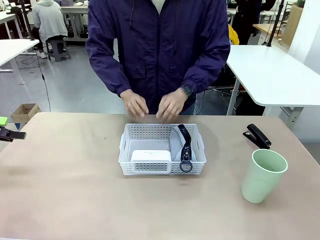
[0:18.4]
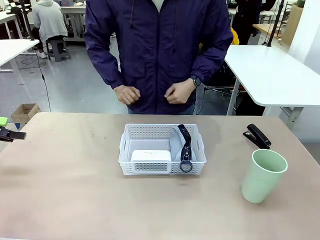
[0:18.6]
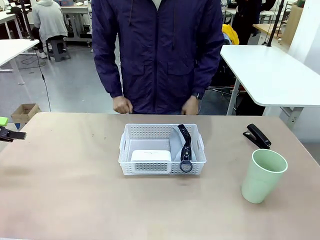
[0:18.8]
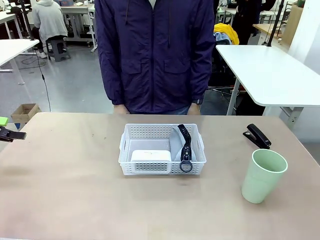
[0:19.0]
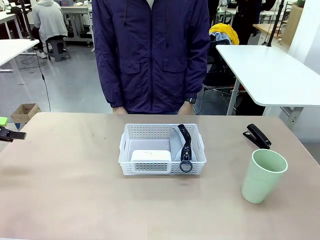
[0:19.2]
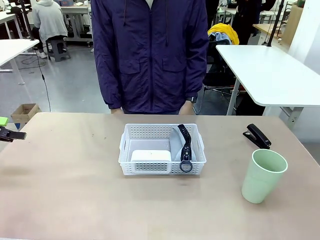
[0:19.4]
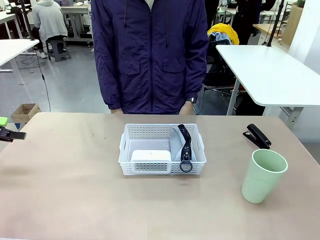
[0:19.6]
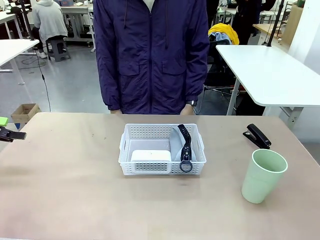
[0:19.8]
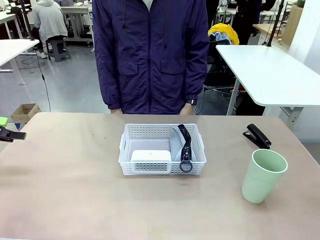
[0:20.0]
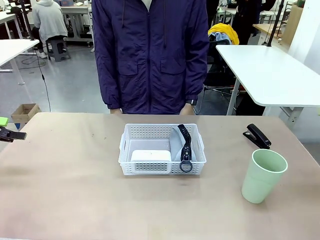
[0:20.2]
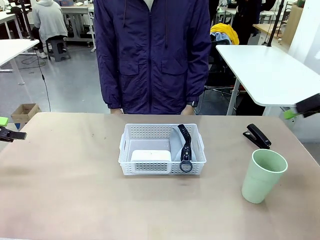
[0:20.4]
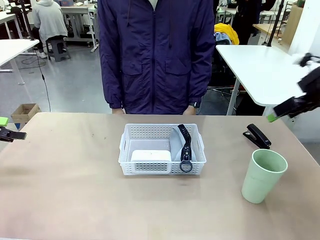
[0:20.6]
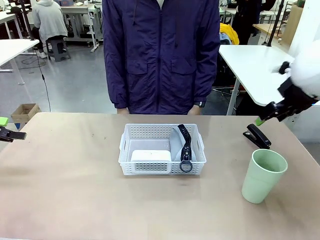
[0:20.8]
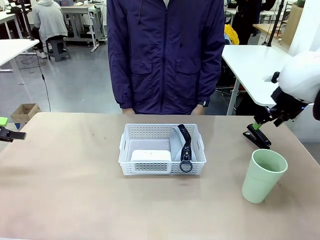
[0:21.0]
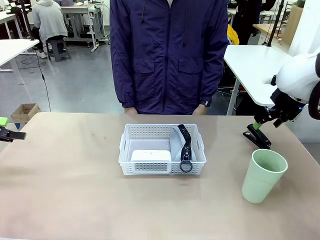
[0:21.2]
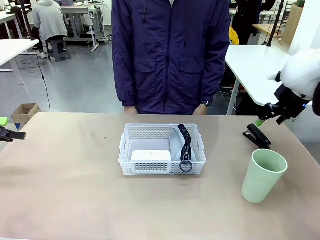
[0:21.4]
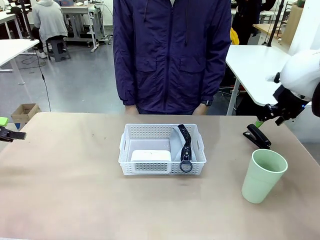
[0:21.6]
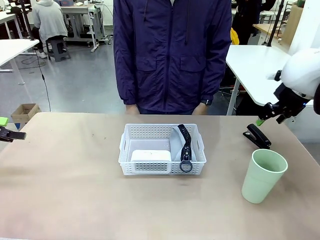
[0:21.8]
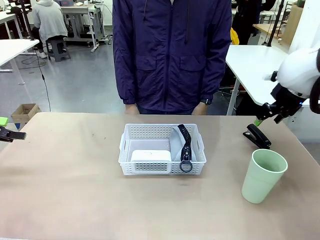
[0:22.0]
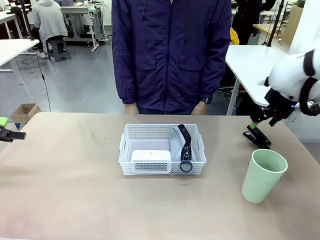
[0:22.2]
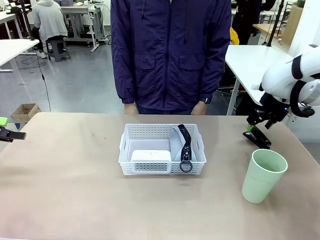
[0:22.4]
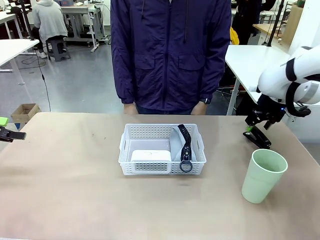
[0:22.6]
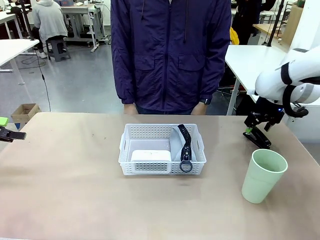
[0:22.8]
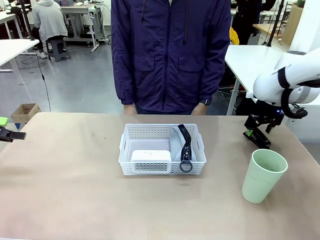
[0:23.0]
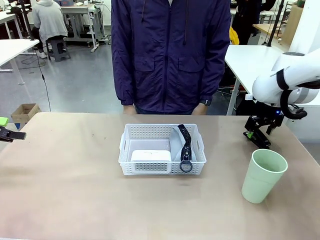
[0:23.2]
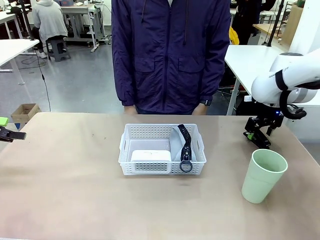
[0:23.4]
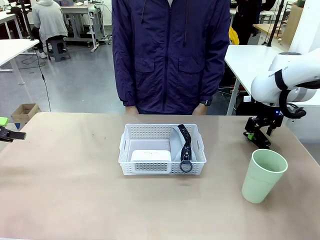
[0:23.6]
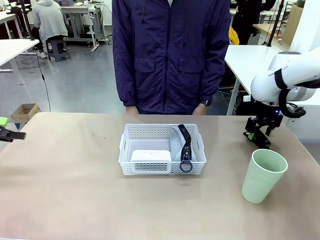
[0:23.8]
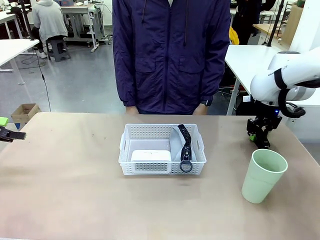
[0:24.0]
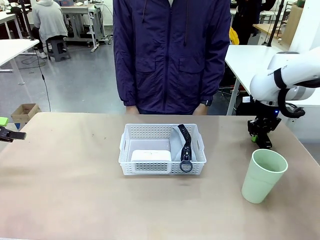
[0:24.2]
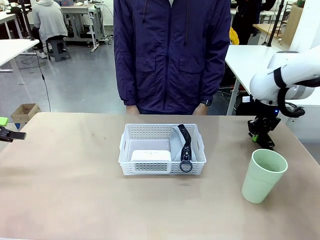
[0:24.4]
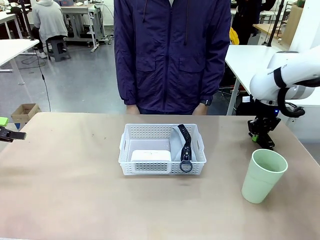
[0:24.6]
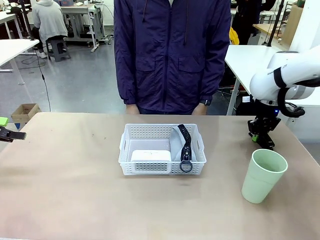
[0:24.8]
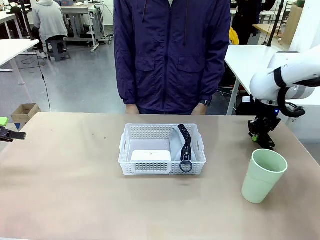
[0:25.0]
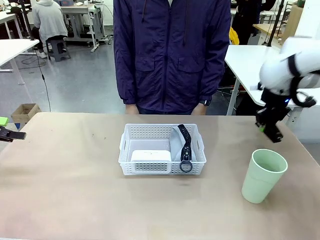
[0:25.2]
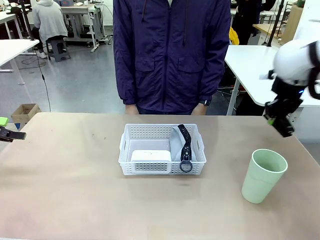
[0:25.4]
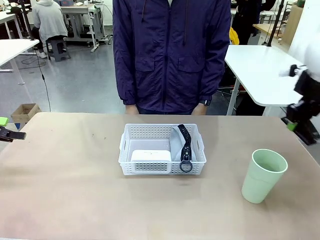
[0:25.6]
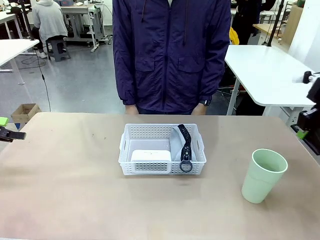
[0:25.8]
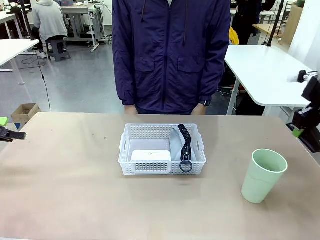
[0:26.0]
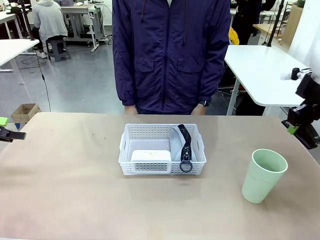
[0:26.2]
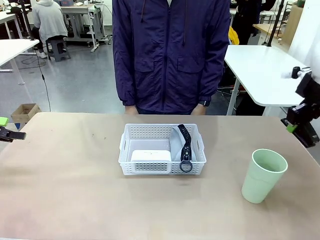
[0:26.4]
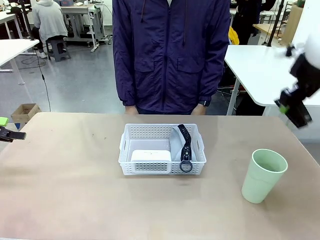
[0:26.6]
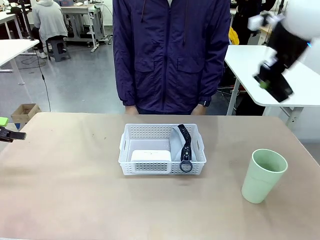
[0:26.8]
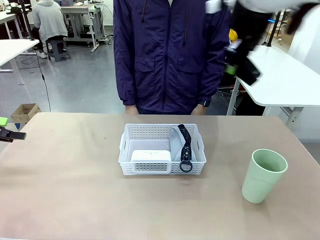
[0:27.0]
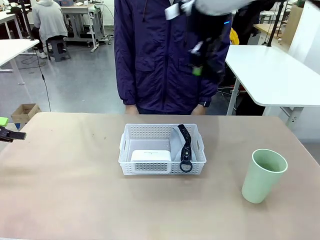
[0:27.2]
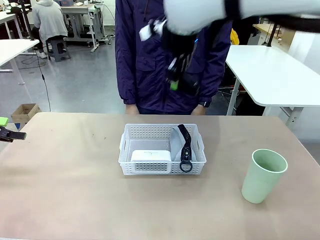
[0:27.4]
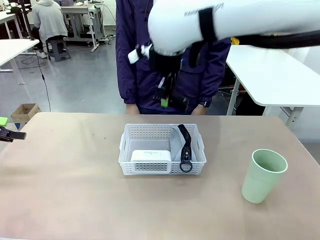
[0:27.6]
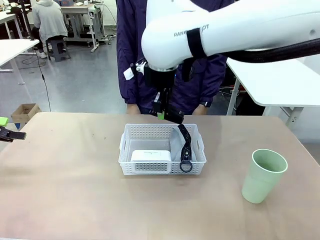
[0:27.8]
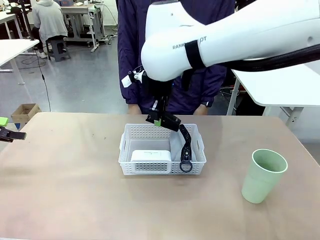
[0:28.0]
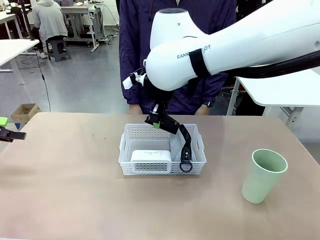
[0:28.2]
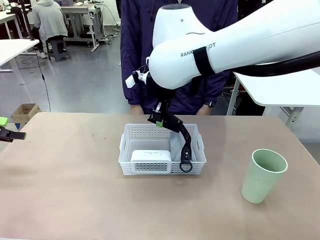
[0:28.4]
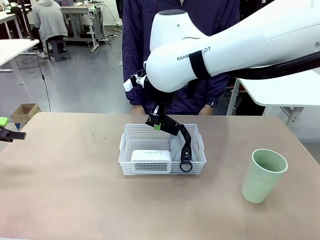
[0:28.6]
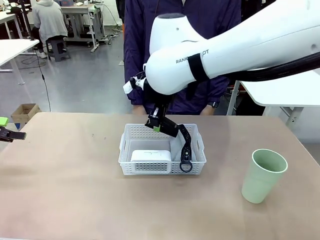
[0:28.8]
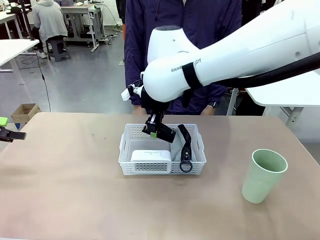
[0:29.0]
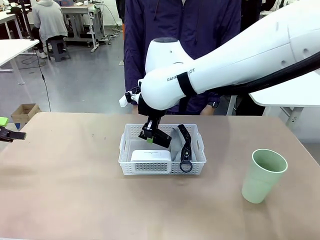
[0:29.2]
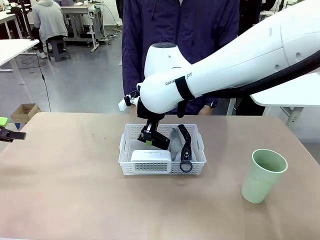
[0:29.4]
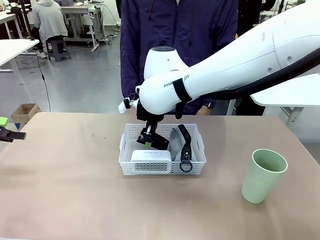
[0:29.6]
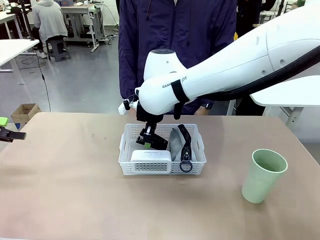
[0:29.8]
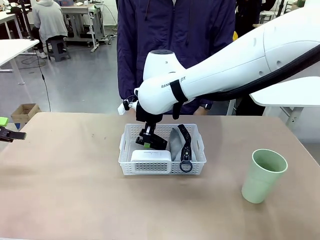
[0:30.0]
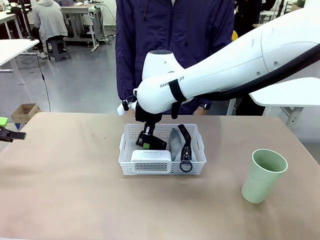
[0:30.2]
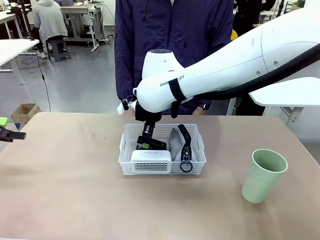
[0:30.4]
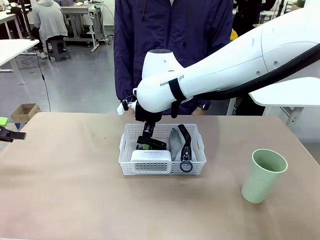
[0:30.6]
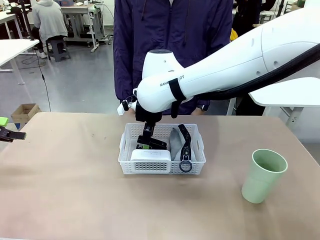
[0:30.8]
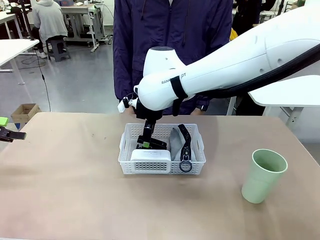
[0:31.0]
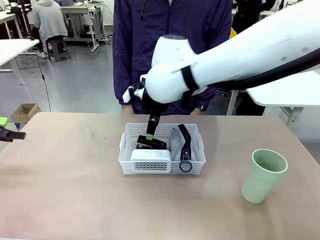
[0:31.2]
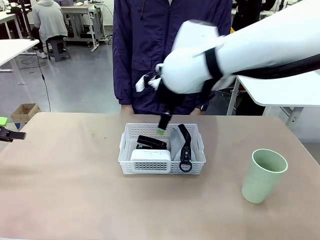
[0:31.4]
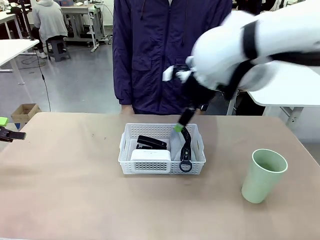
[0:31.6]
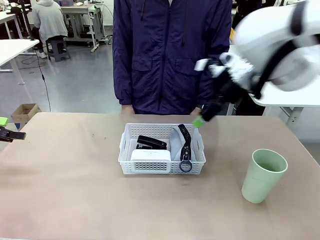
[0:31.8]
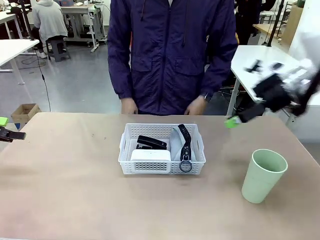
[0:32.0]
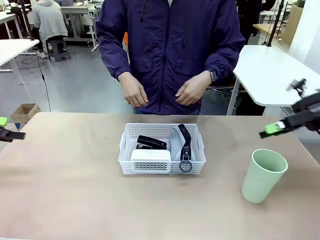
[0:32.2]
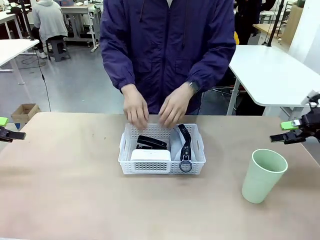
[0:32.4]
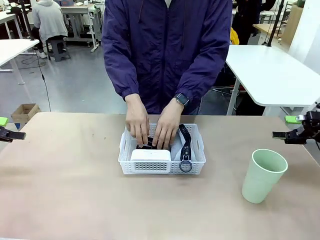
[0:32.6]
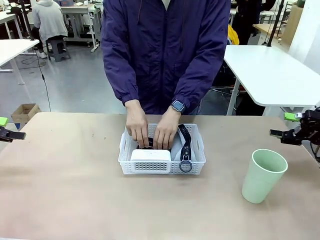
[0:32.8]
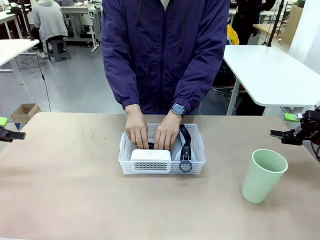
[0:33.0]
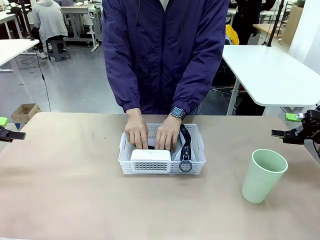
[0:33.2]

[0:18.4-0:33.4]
Task: Efficiently arrange items inside the basket to fit them all.
Robot: Pick up the Stapler and place it inside the Organizing basket.
